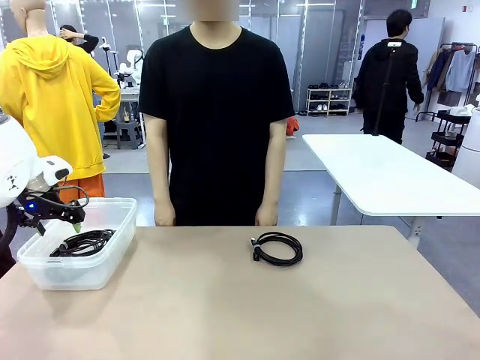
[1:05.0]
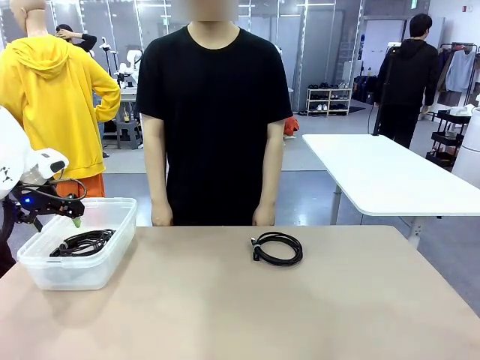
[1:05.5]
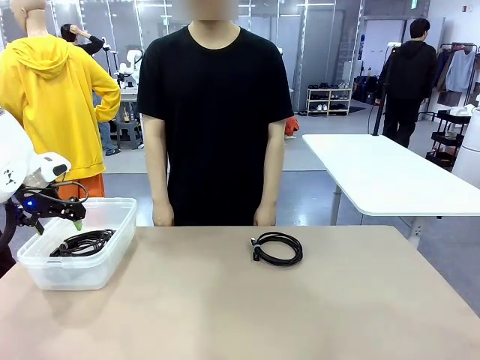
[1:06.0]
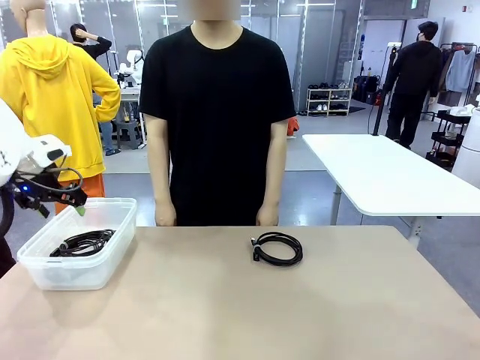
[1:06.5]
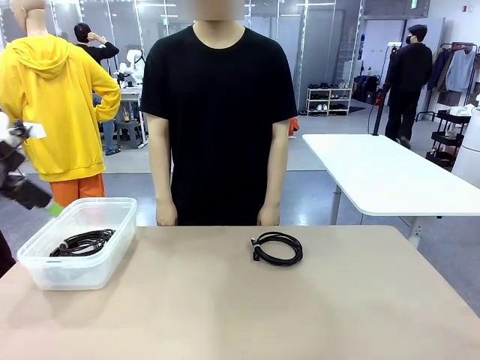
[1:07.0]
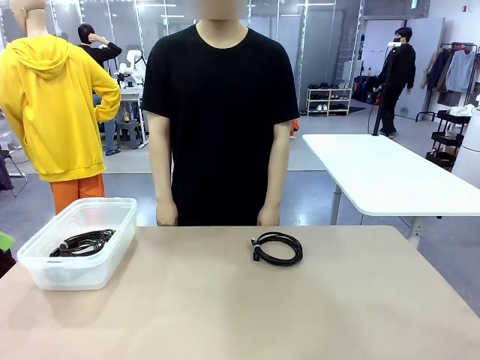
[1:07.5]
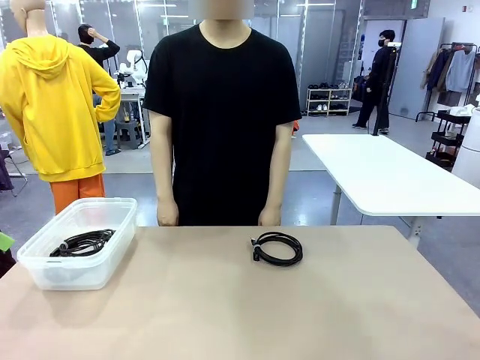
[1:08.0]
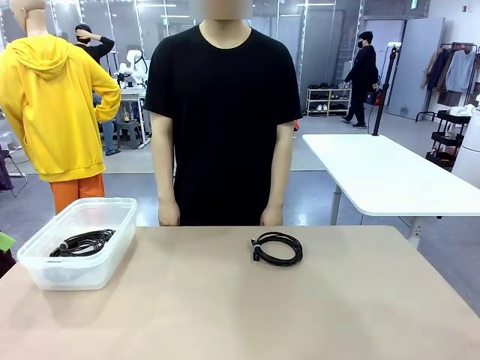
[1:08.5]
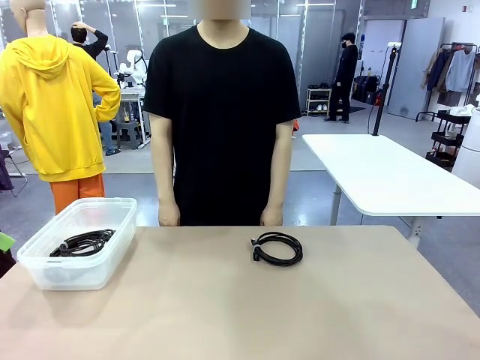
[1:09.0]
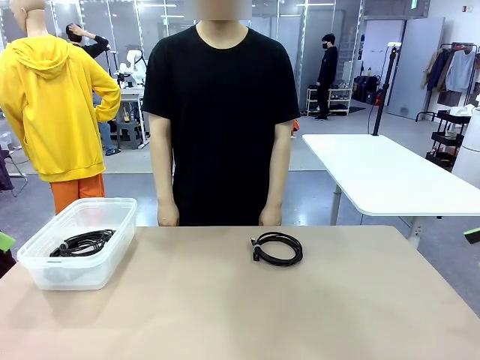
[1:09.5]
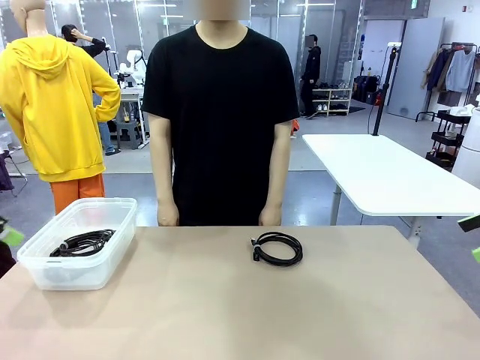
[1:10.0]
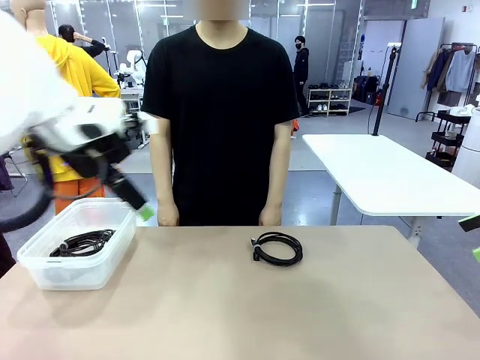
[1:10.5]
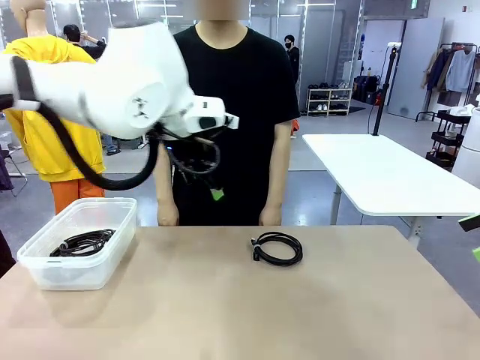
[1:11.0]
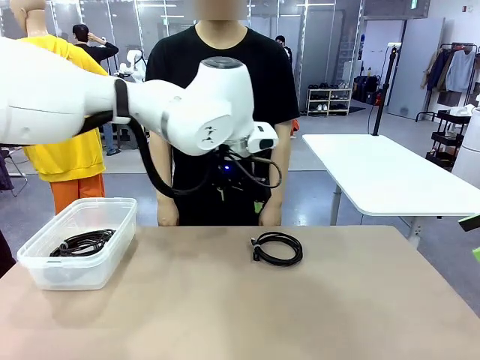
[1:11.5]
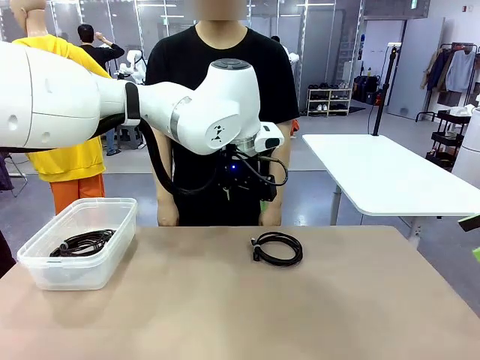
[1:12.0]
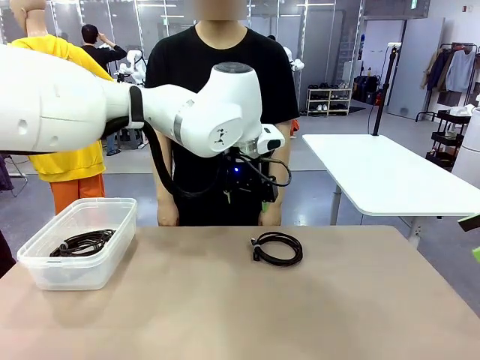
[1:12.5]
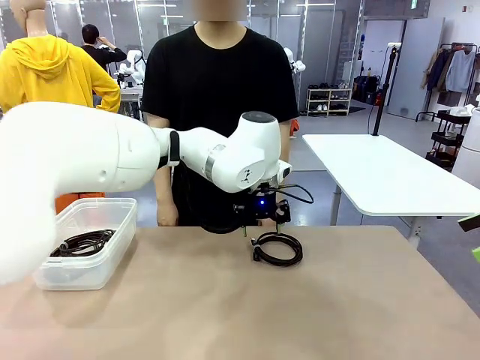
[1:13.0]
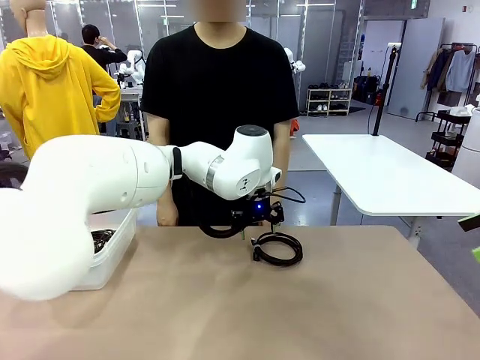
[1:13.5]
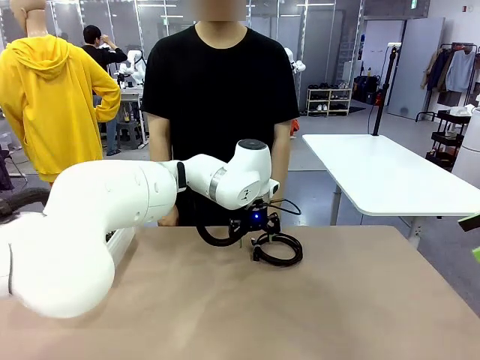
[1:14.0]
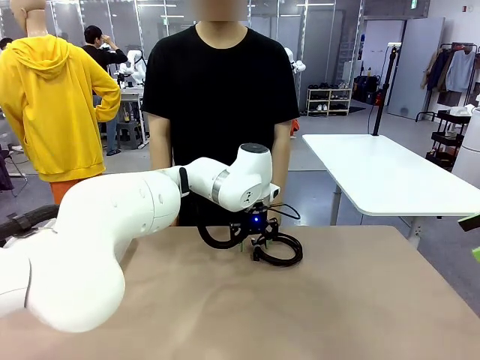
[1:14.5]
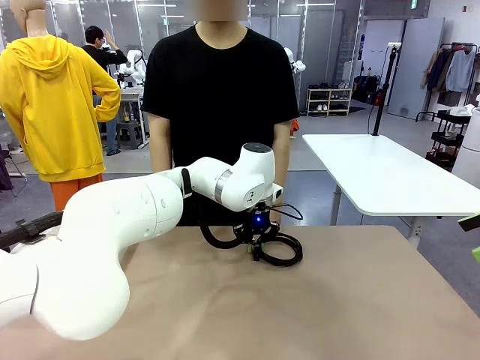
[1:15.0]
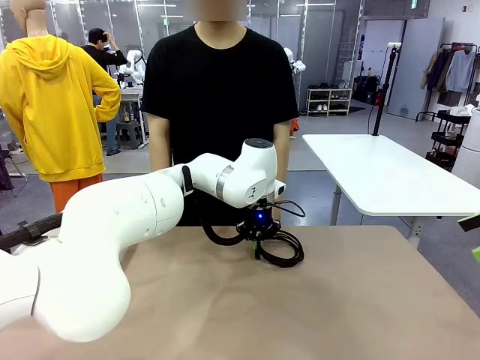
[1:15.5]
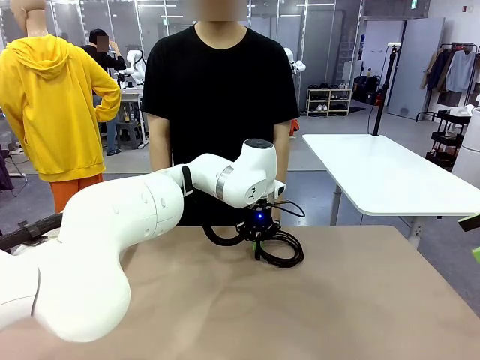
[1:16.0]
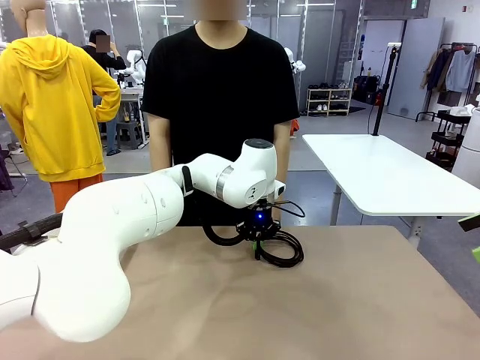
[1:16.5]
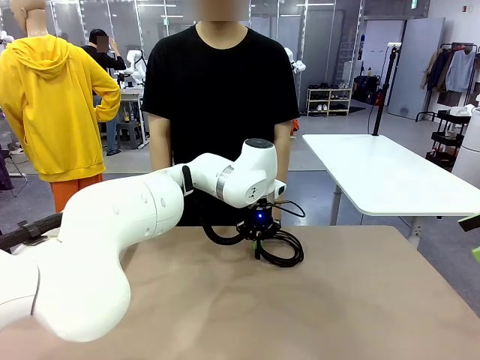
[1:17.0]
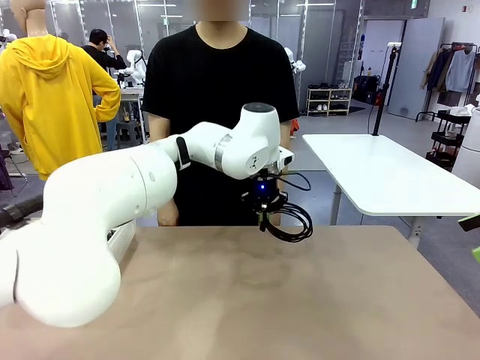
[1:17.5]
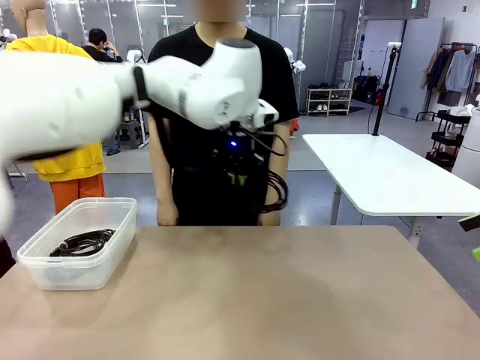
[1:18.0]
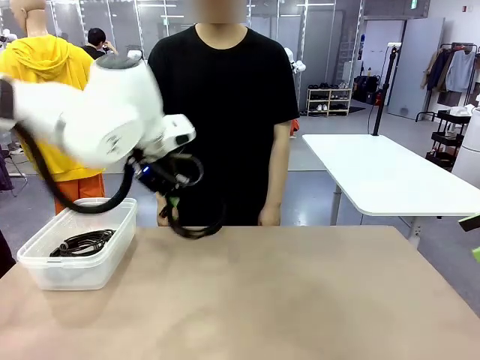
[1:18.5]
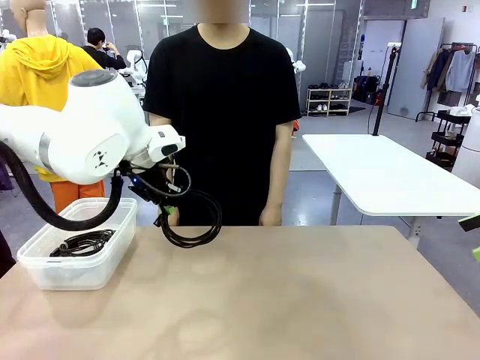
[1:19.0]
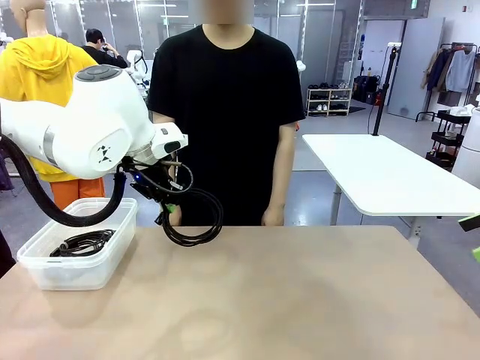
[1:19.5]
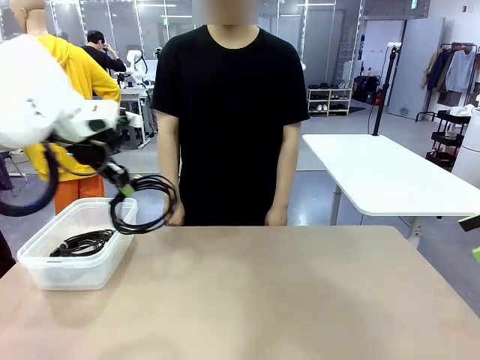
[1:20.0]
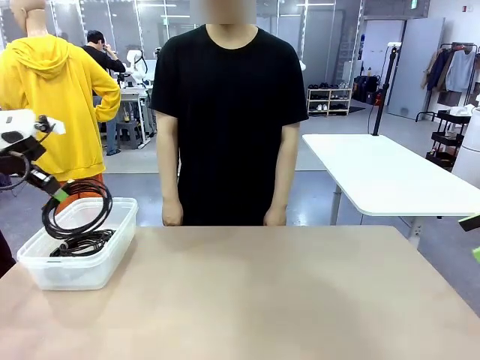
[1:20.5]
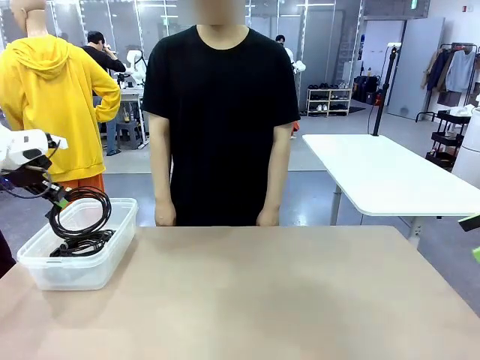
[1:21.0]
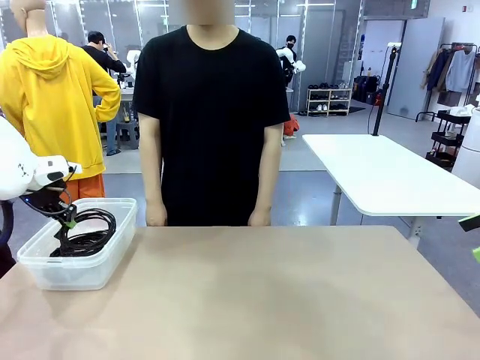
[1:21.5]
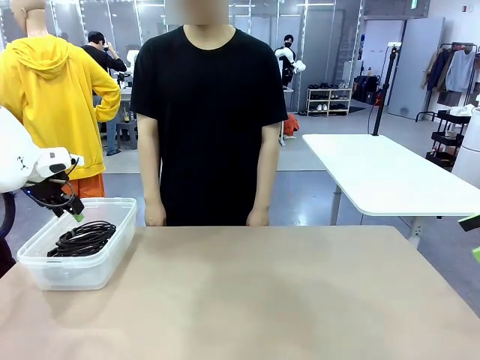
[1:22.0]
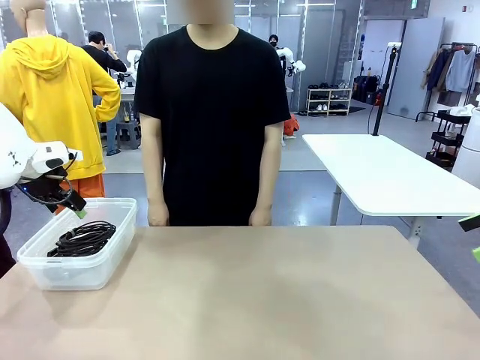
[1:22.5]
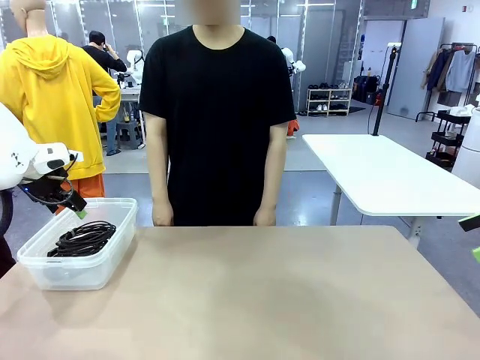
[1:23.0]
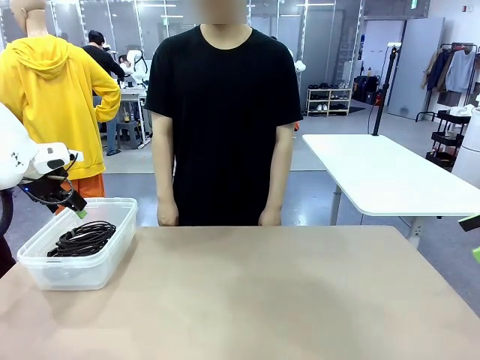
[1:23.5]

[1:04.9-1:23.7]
Task: Organize and store the cables.
Robot: Place the USB Extension Cable into the Organizing box.

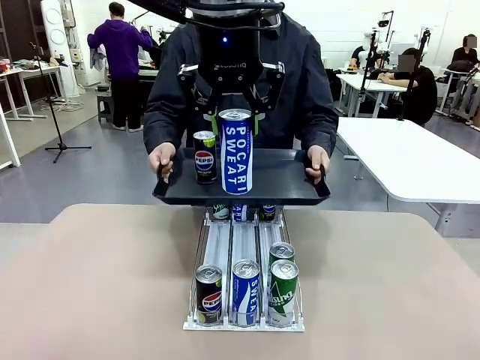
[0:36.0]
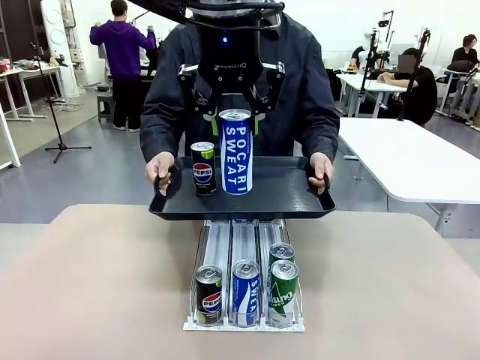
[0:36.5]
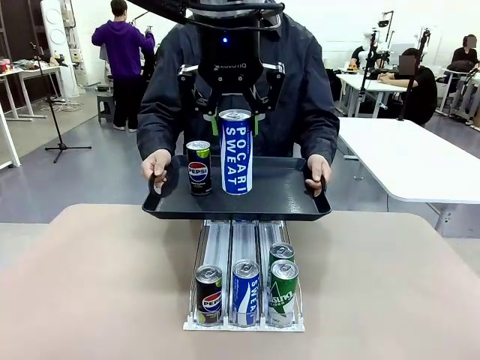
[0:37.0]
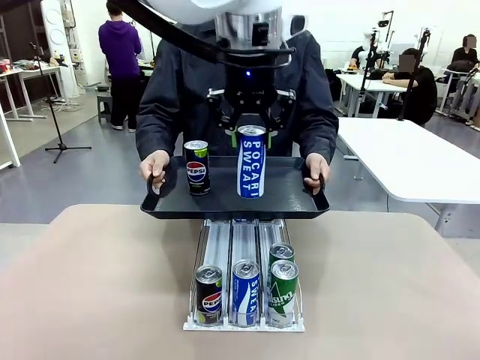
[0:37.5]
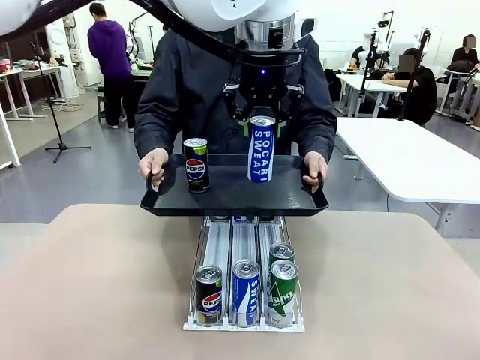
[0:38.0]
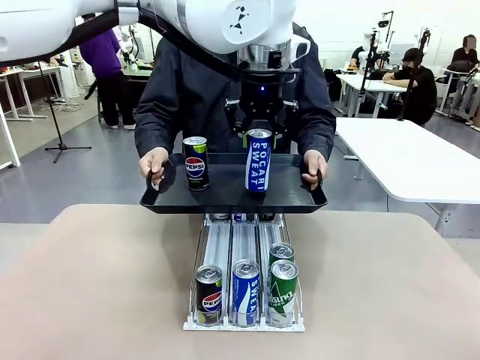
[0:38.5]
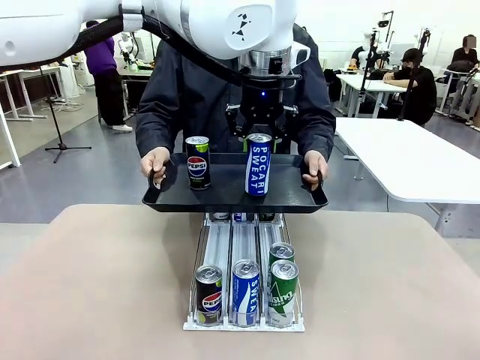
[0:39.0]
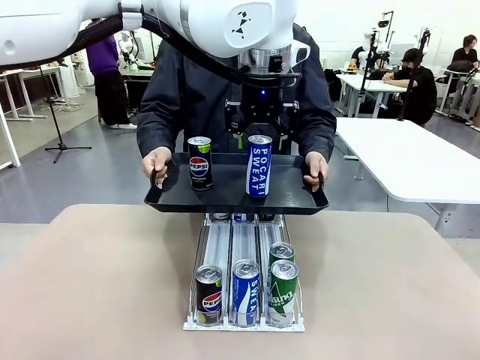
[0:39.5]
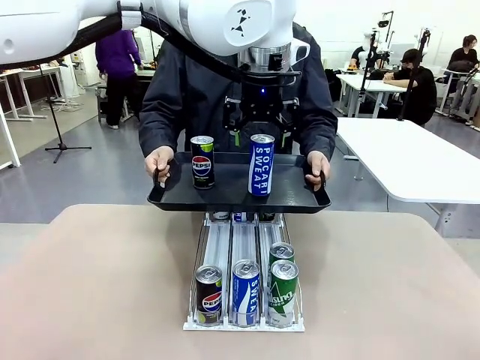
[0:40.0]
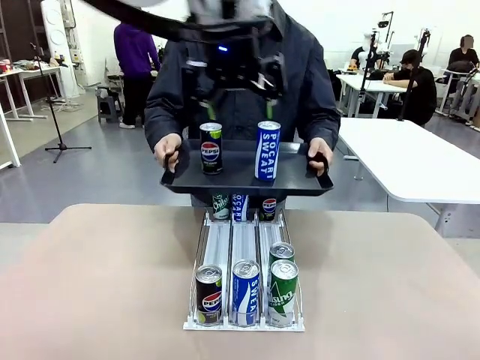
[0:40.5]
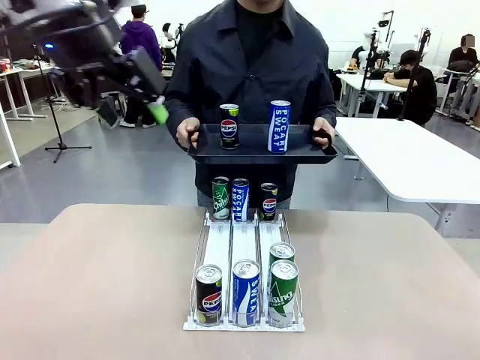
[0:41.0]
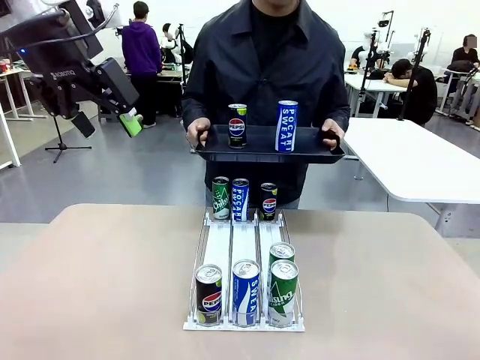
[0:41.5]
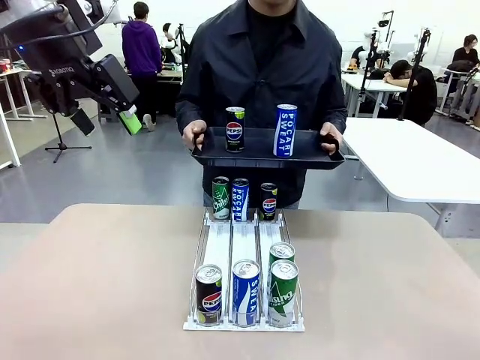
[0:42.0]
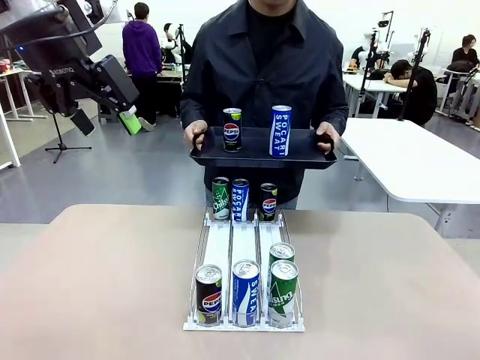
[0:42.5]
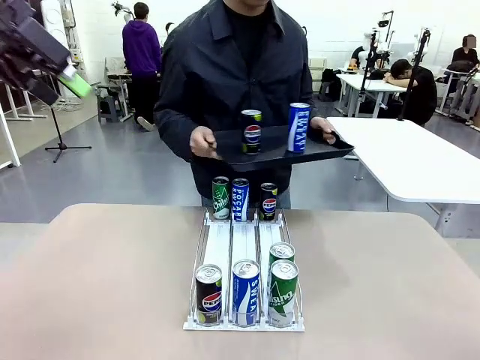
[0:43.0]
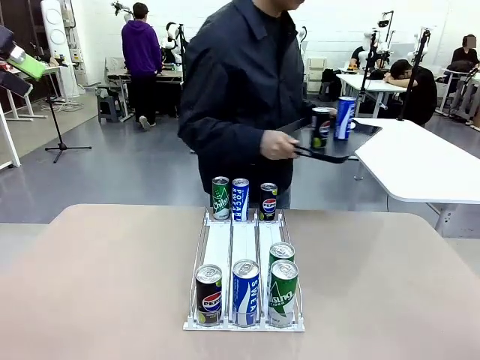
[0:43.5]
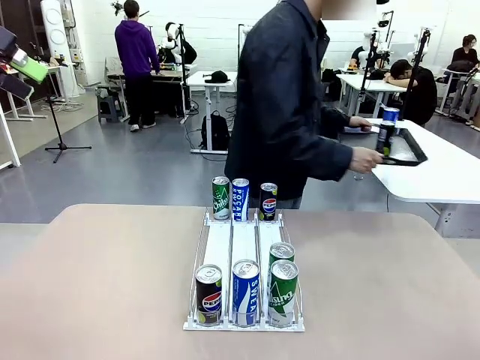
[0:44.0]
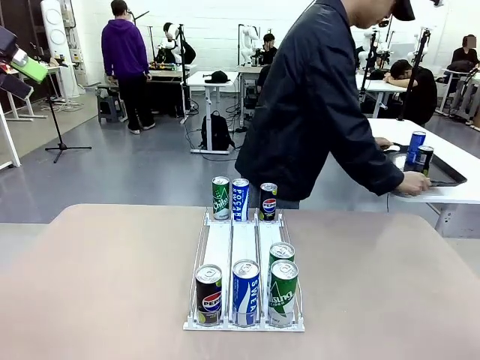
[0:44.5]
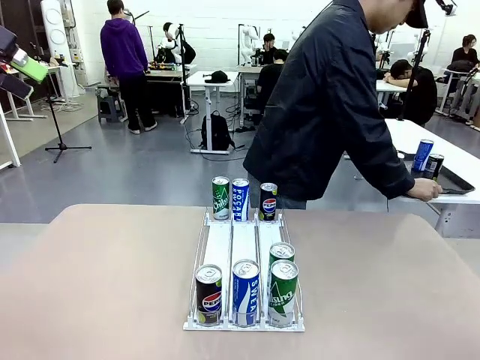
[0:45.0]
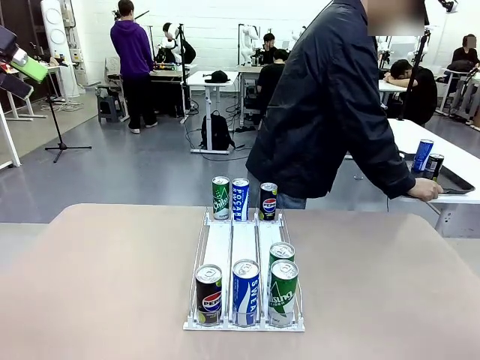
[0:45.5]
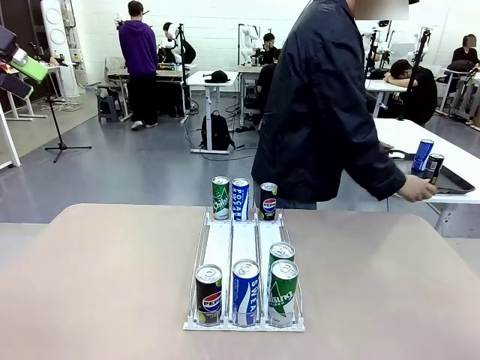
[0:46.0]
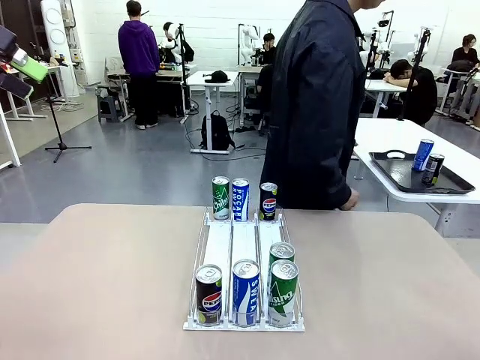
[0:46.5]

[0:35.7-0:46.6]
Task: Retrieve and hand over the desired beverage to the person.
Robot: Place the picked can on the Handle tray extended by the person.
Person: Pull the tray back and place it at the center of the human table.
